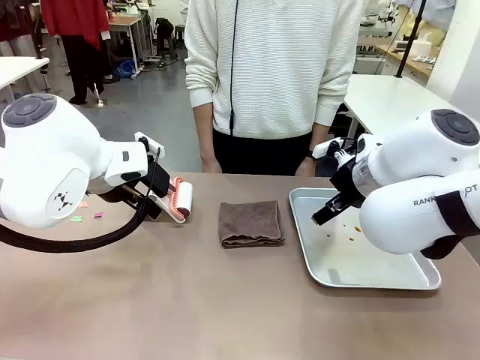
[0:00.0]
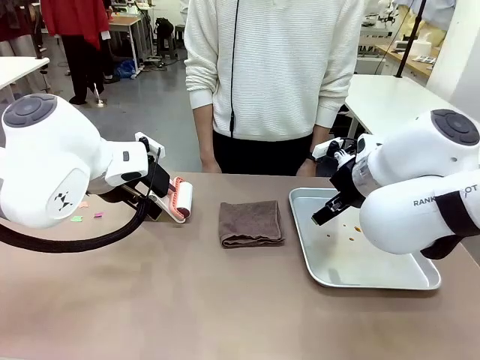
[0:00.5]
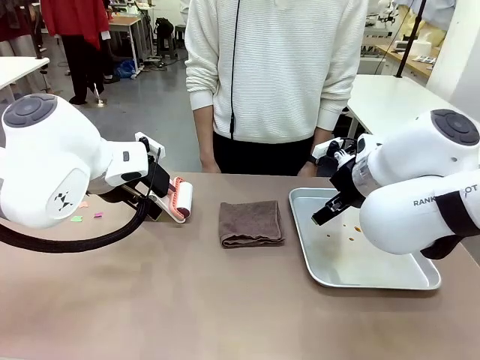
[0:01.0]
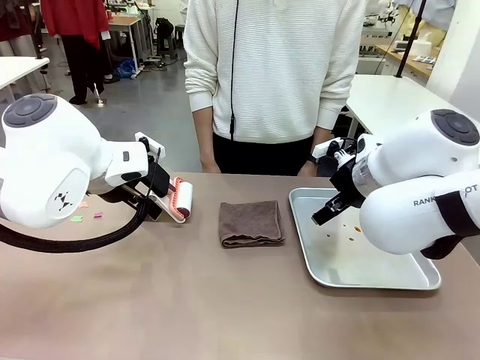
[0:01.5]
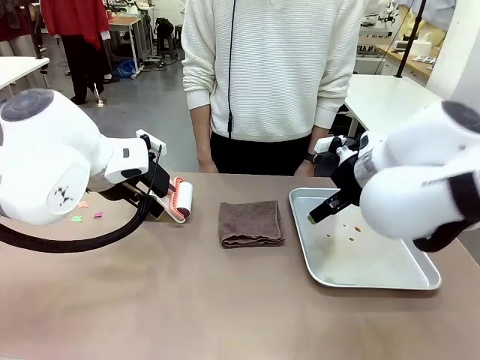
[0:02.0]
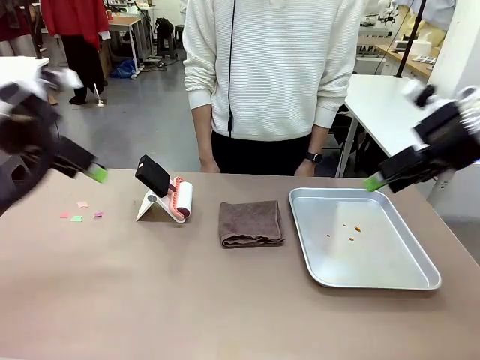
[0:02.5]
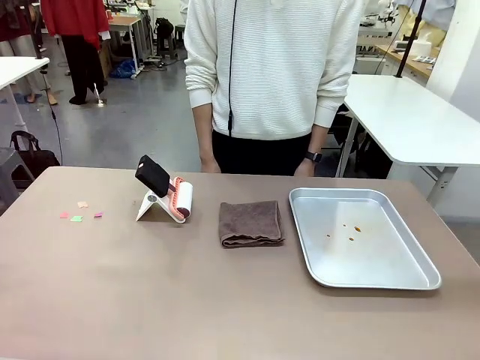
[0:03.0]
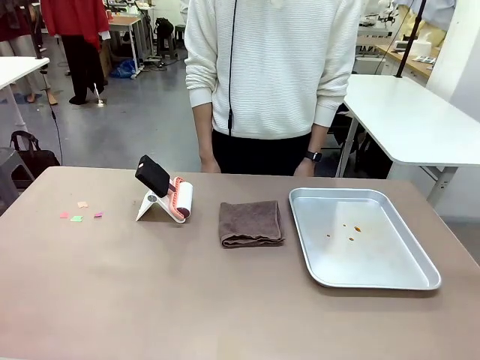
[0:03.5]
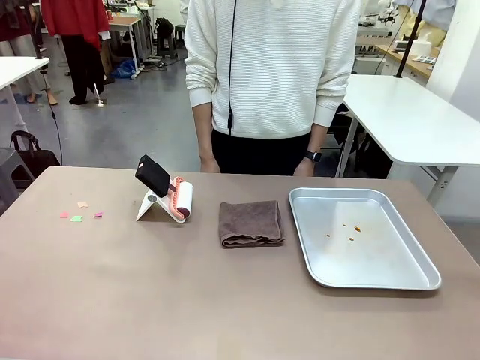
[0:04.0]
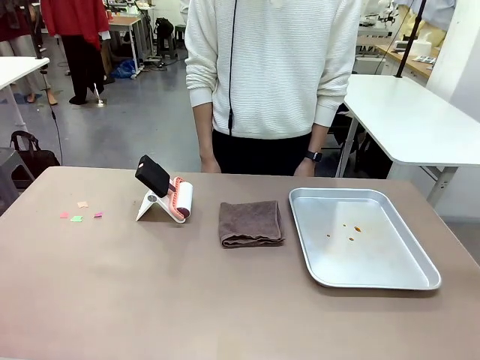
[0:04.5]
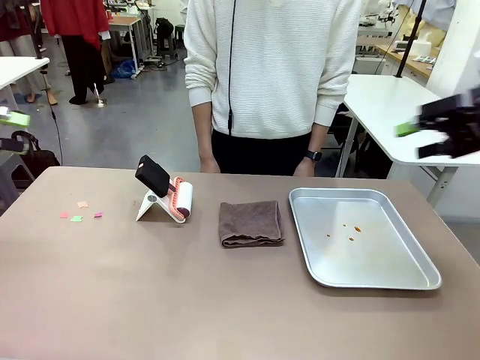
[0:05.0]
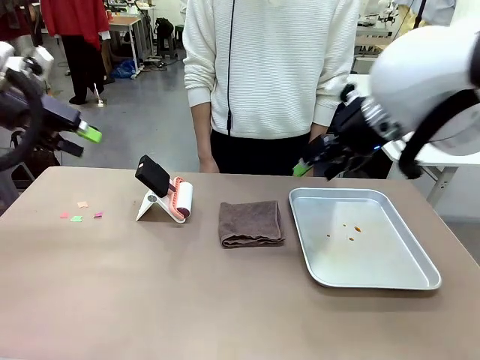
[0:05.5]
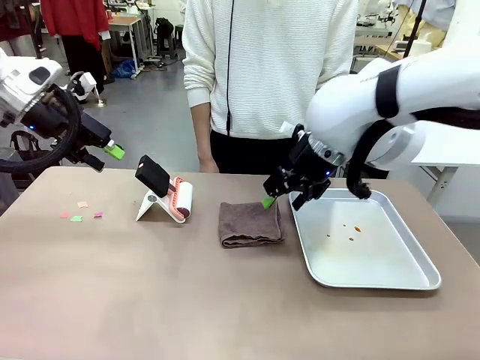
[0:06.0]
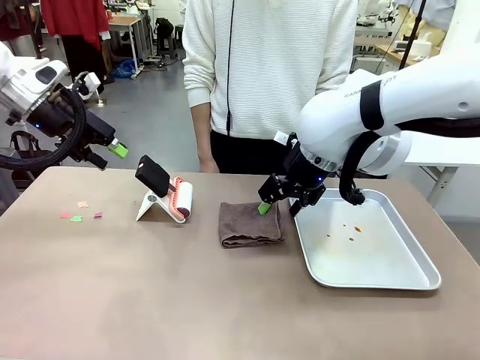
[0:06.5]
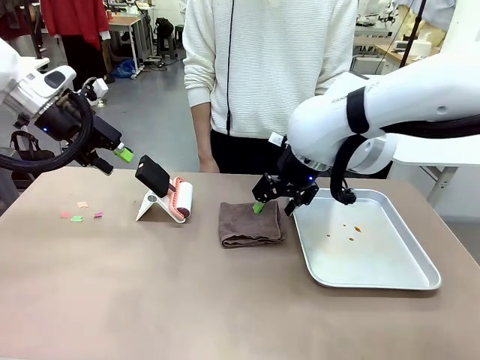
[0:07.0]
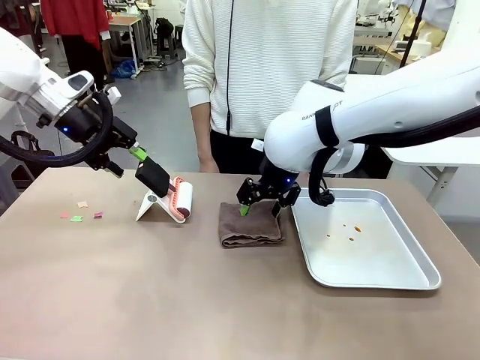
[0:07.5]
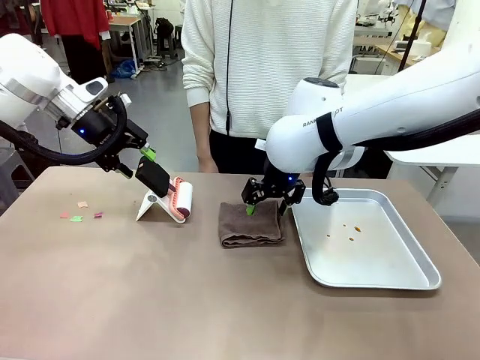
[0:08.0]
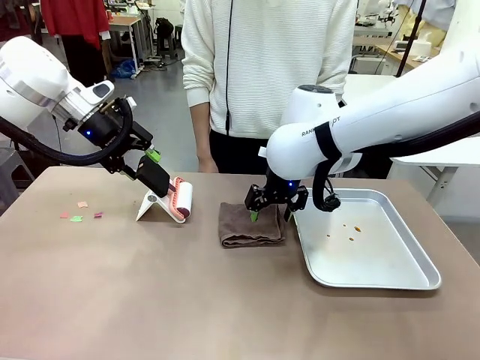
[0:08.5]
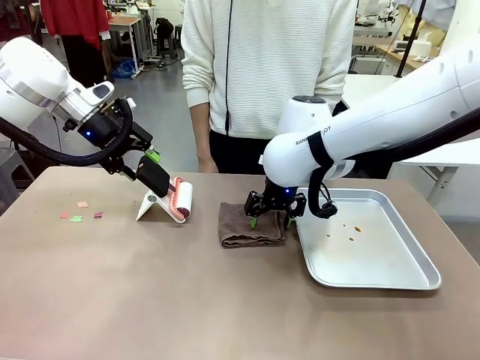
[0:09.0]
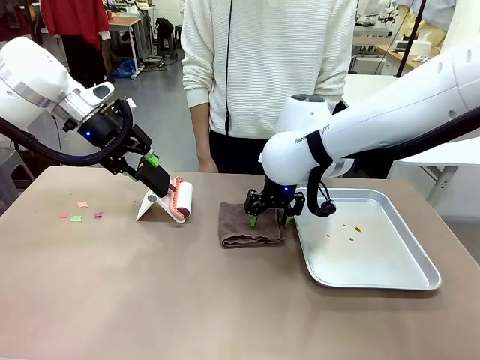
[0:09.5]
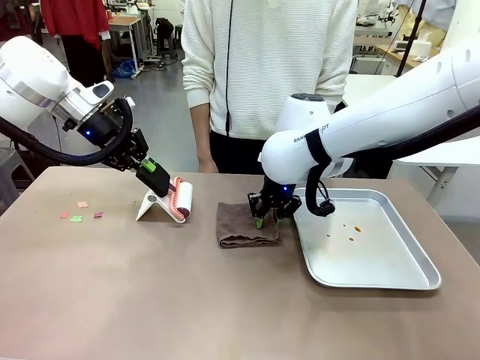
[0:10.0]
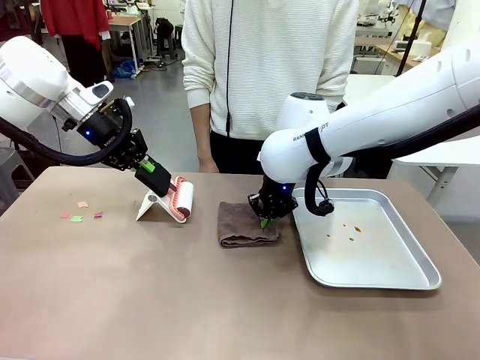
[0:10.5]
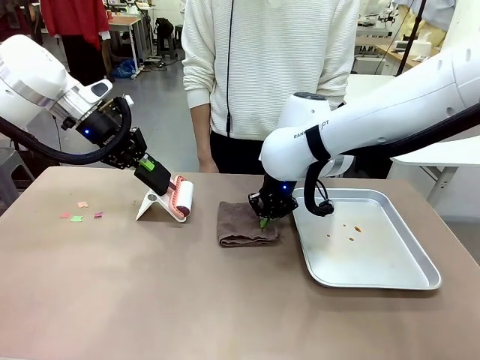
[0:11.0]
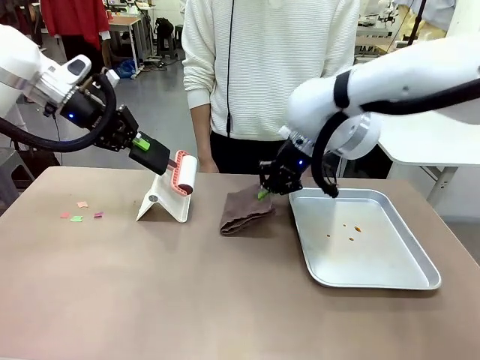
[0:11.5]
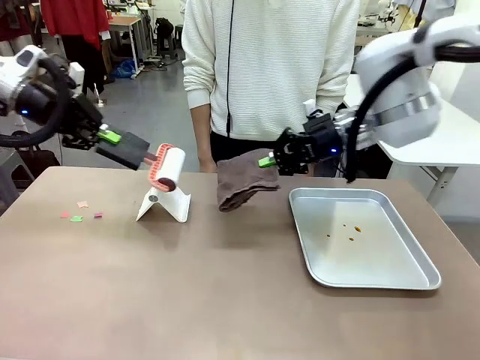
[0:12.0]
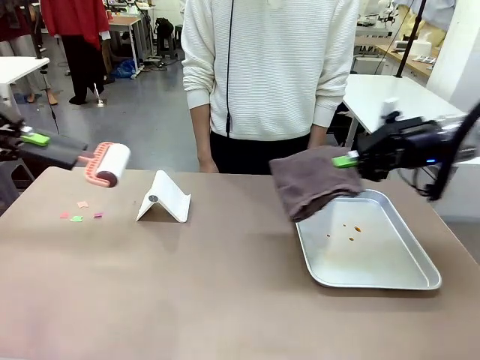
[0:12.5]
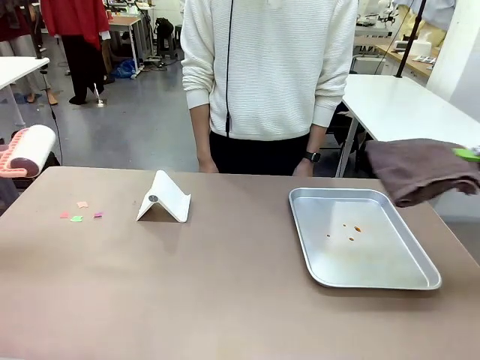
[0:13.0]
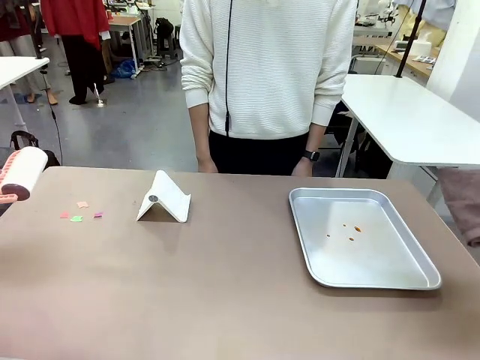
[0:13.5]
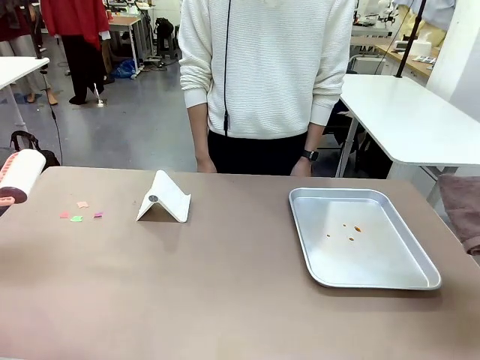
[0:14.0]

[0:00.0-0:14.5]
Task: Clean the surface of the table.
Robot: Hold the Lint Roller with your left hand and the towel with your right hand.

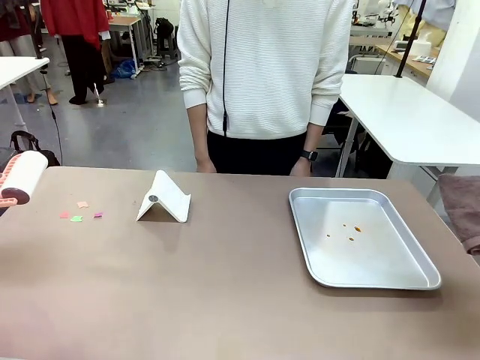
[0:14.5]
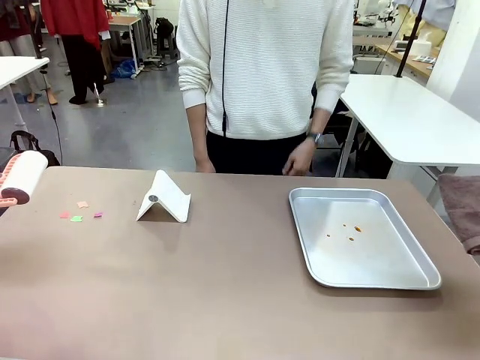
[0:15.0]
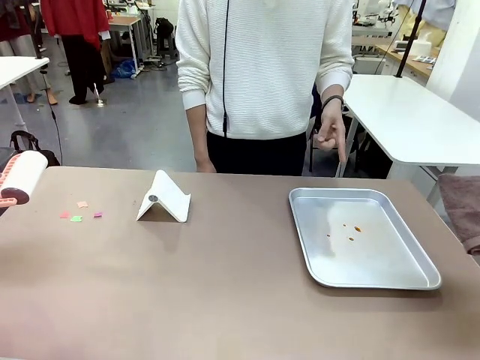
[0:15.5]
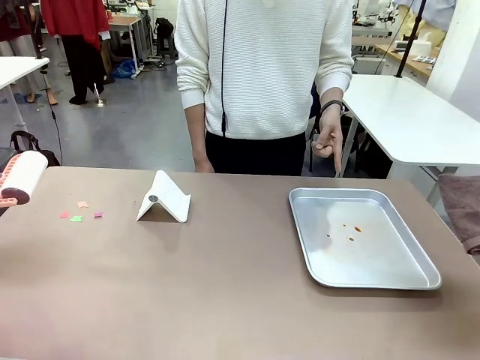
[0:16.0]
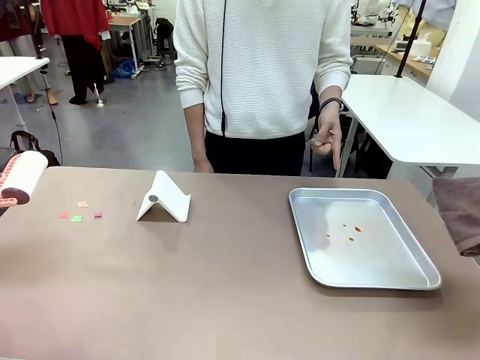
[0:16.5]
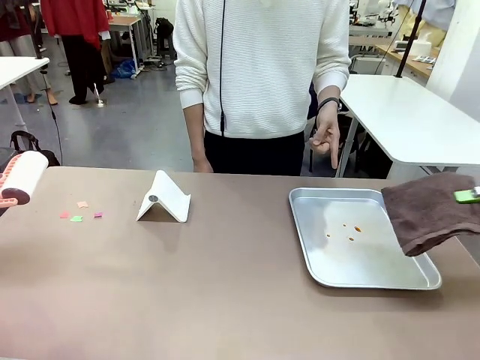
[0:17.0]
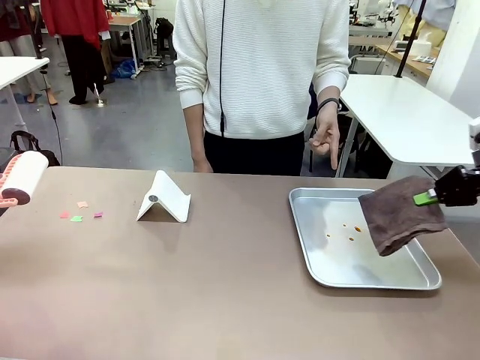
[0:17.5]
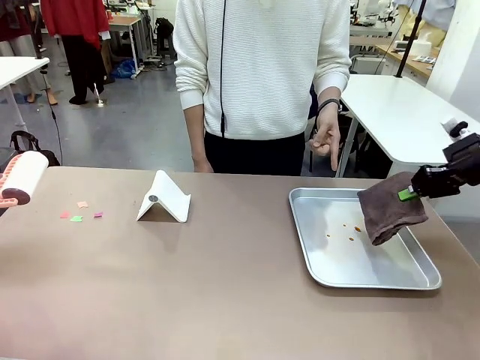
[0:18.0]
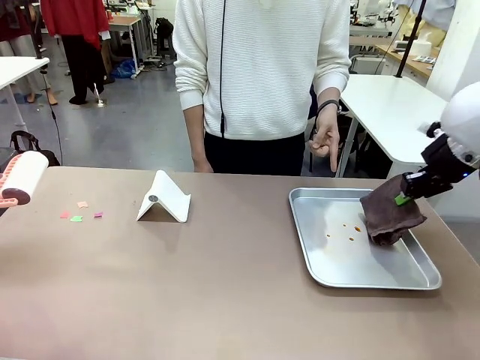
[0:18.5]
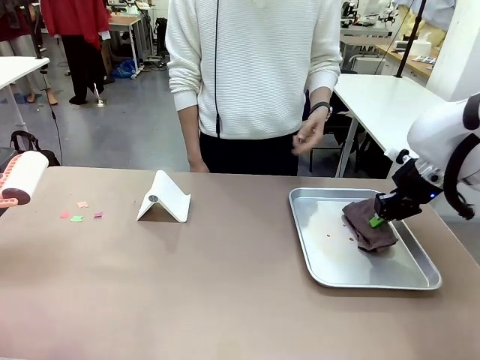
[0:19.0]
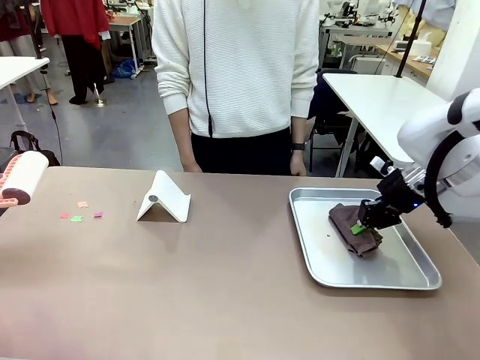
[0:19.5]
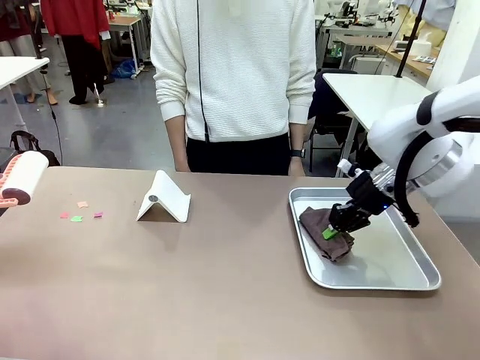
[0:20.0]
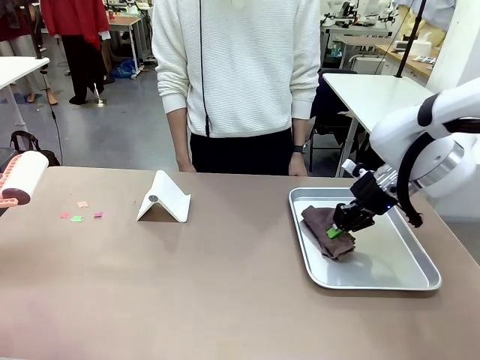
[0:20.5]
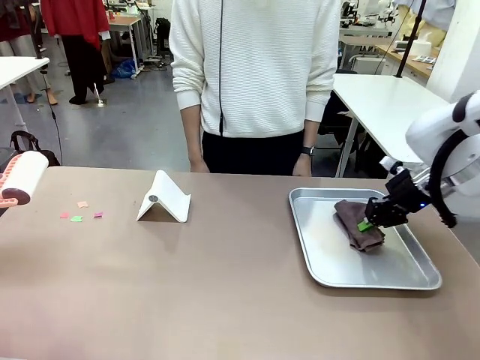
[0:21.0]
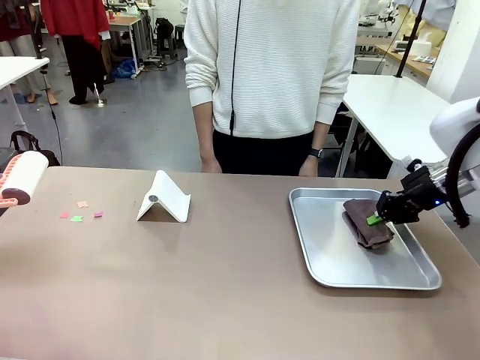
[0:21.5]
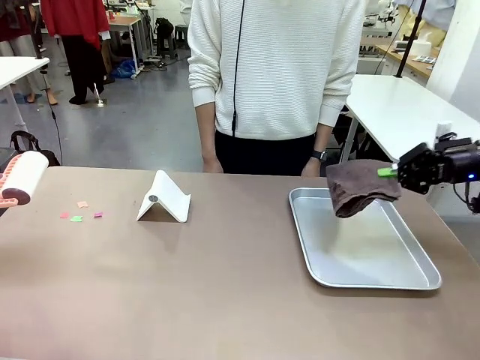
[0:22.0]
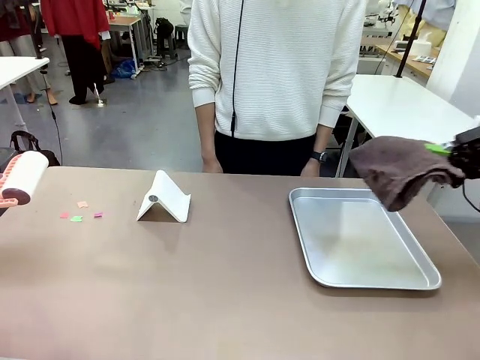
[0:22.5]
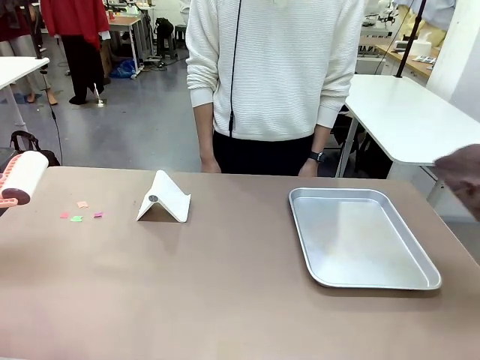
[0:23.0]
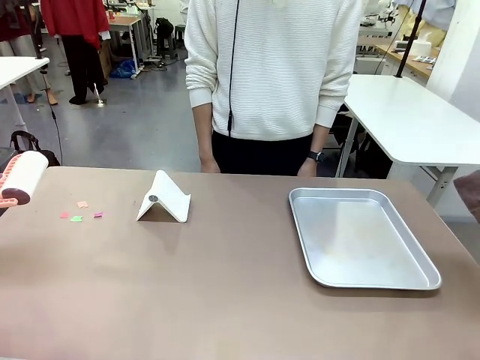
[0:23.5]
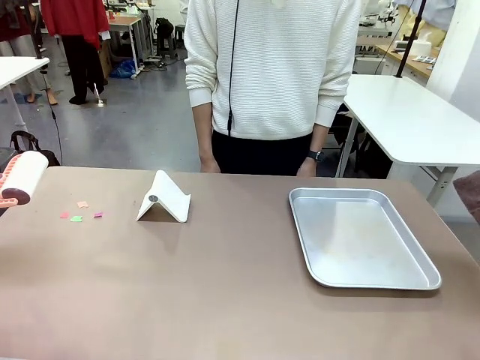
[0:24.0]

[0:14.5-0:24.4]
Robot: If a person points to the right, clean the right side of the table with your right hand, and if they point to the left, clean the left side with your left hand.

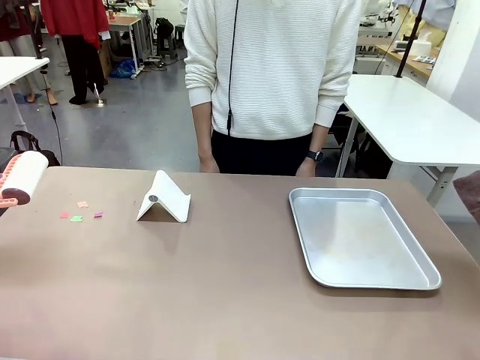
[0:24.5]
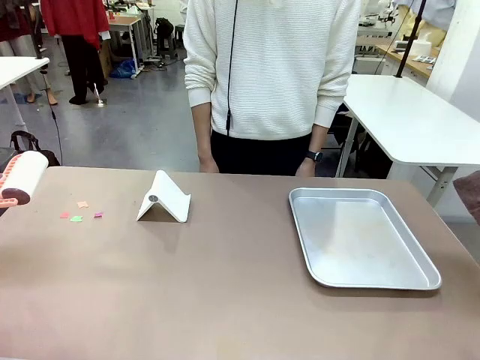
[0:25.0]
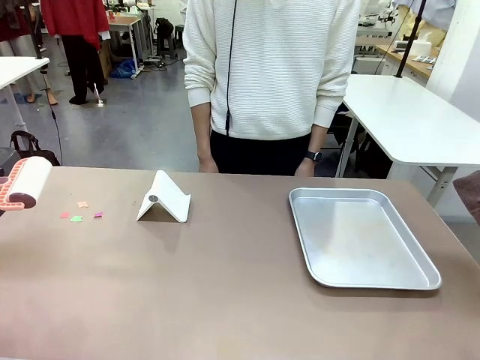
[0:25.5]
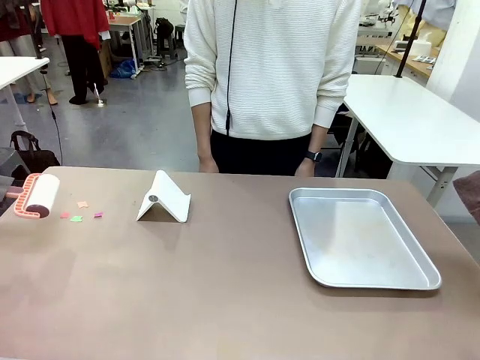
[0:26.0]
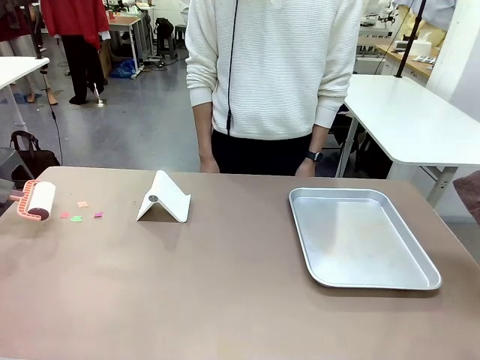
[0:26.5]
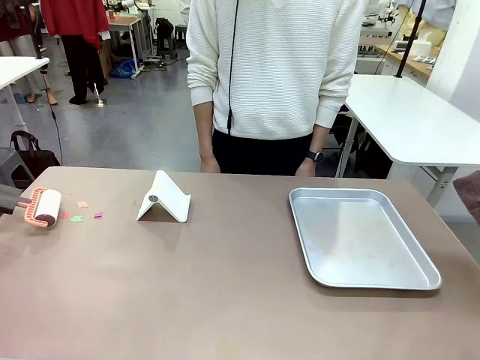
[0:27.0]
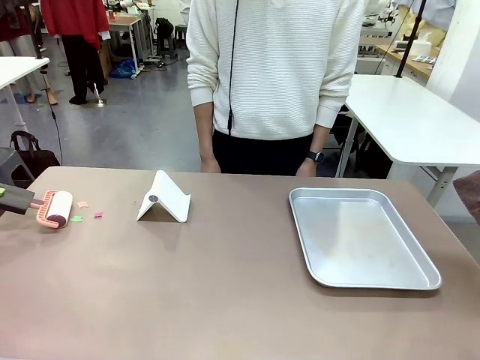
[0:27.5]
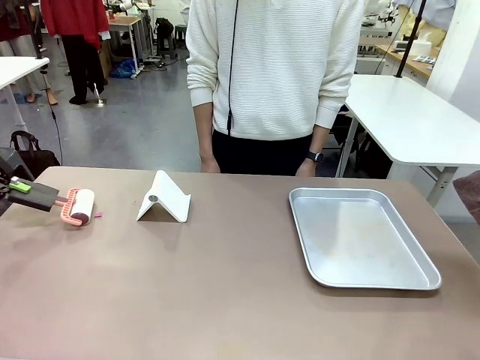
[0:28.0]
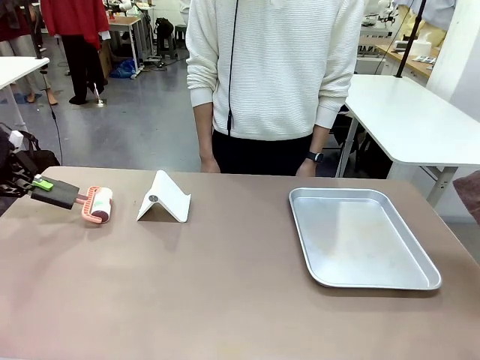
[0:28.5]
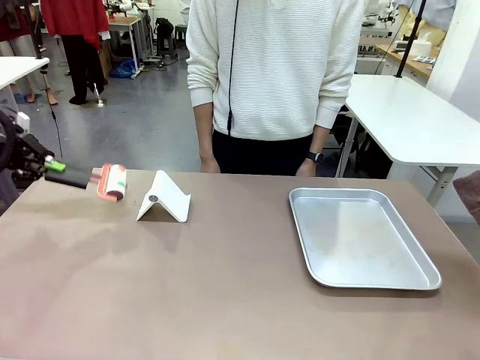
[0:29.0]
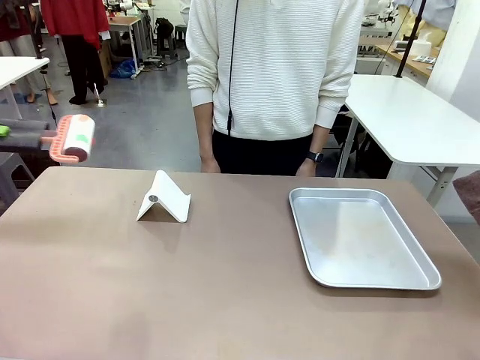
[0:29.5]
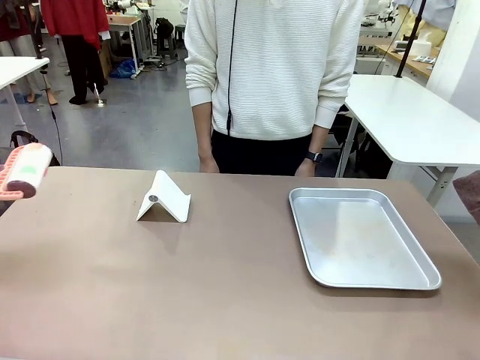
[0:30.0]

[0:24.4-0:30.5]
Robot: Clean the area not pointed to by the person.
